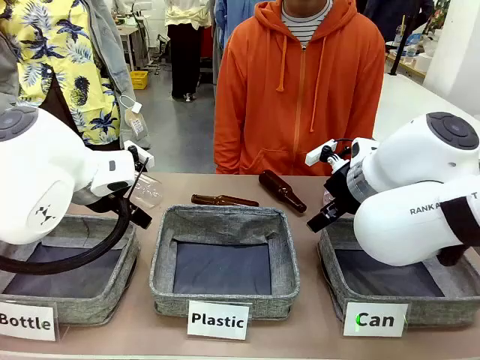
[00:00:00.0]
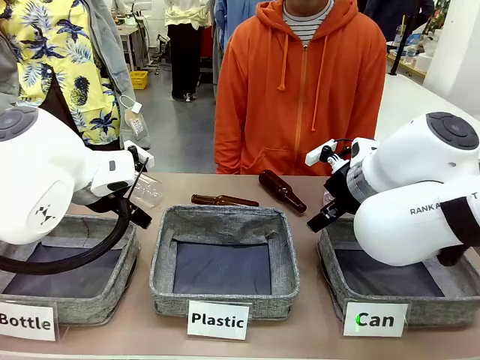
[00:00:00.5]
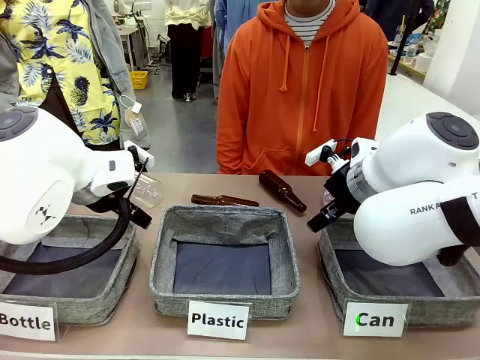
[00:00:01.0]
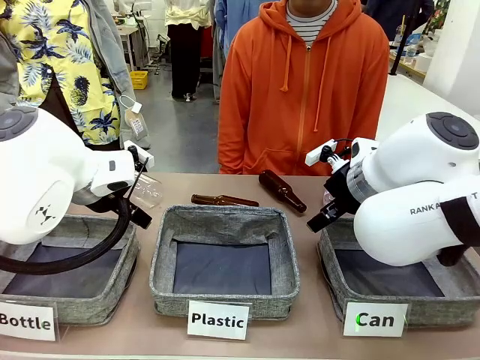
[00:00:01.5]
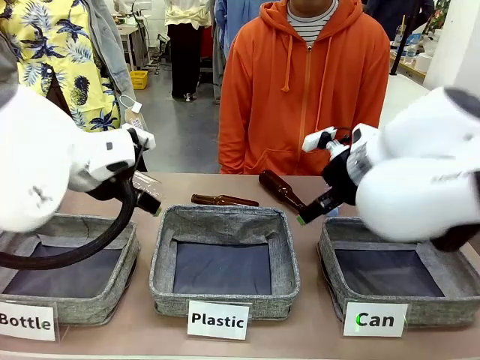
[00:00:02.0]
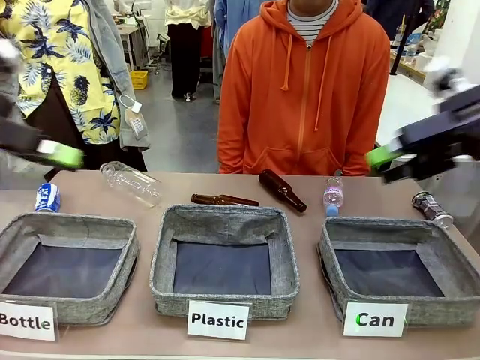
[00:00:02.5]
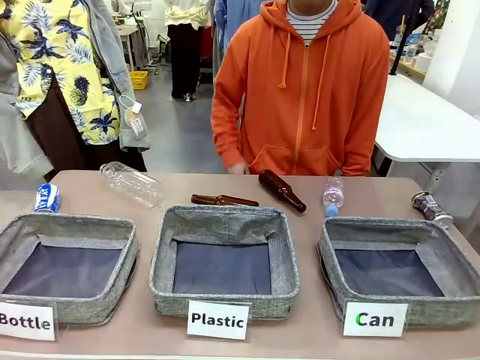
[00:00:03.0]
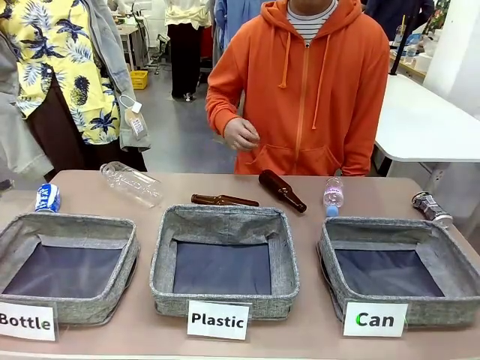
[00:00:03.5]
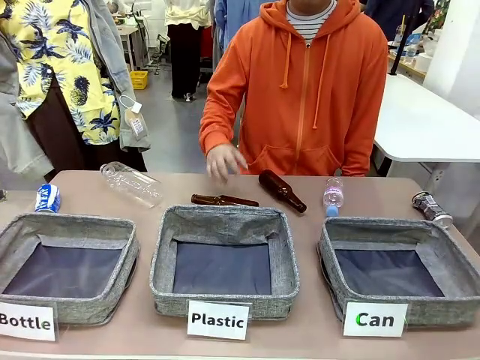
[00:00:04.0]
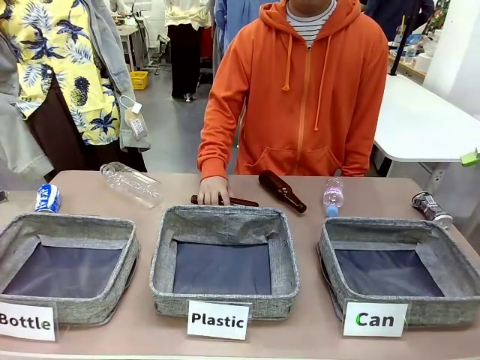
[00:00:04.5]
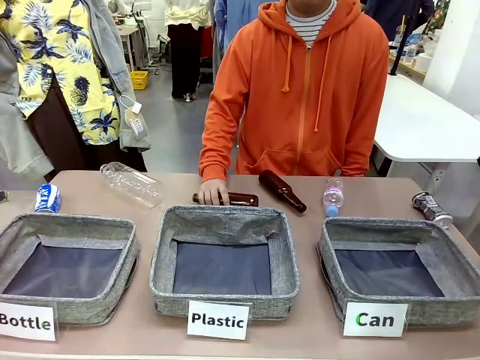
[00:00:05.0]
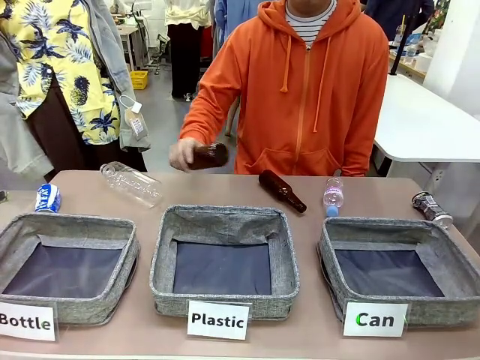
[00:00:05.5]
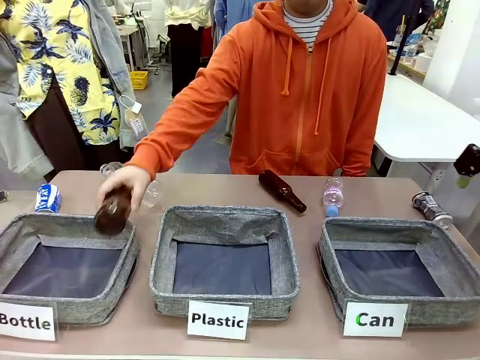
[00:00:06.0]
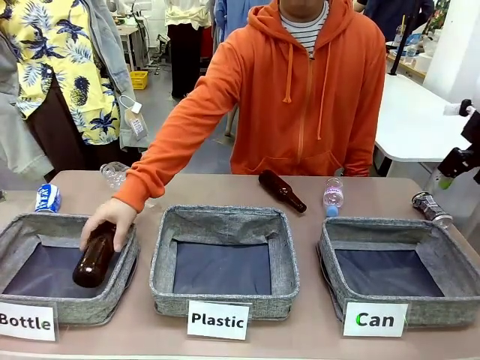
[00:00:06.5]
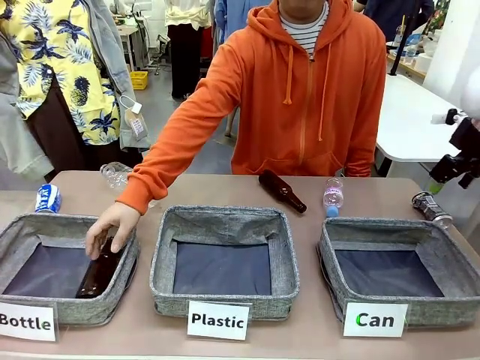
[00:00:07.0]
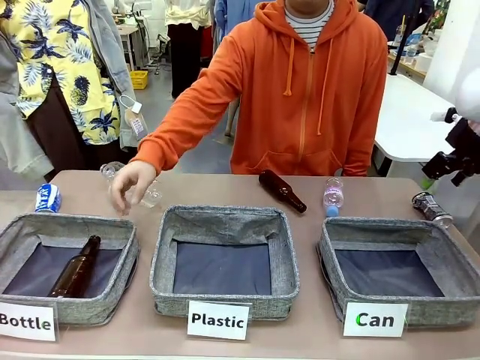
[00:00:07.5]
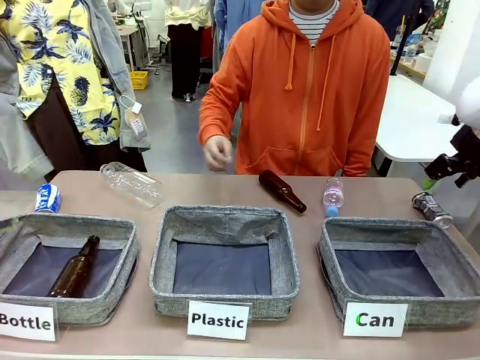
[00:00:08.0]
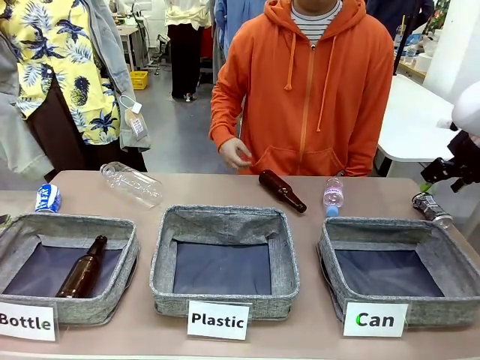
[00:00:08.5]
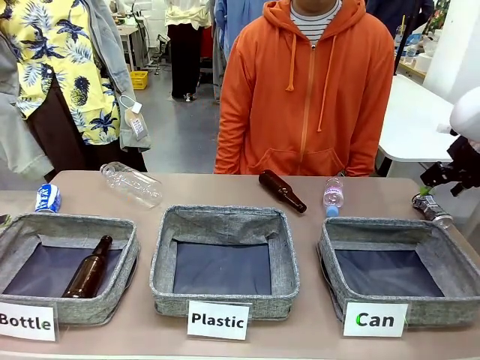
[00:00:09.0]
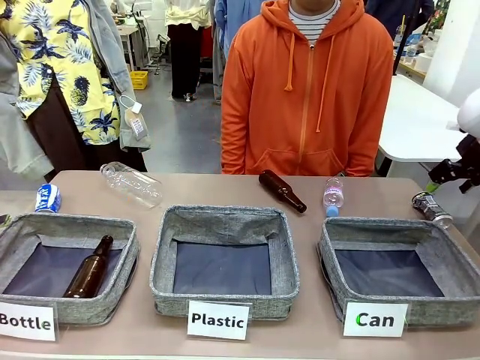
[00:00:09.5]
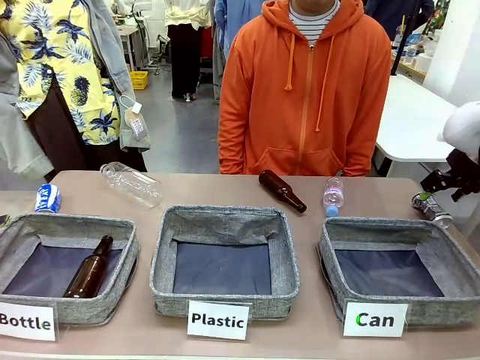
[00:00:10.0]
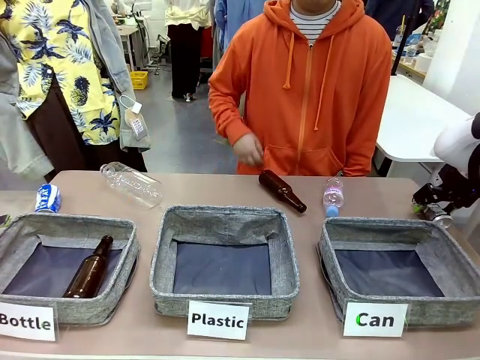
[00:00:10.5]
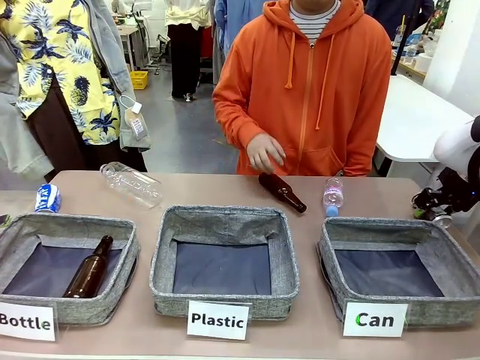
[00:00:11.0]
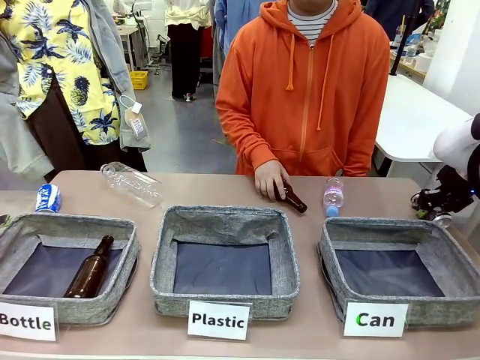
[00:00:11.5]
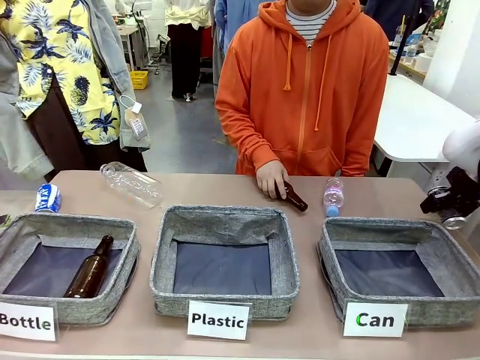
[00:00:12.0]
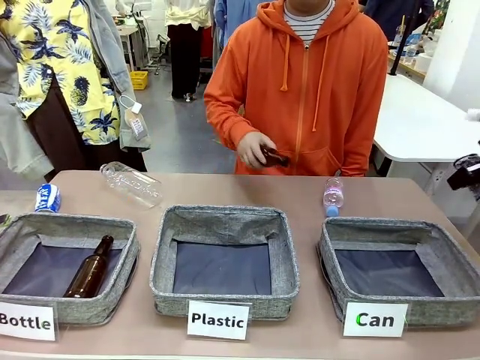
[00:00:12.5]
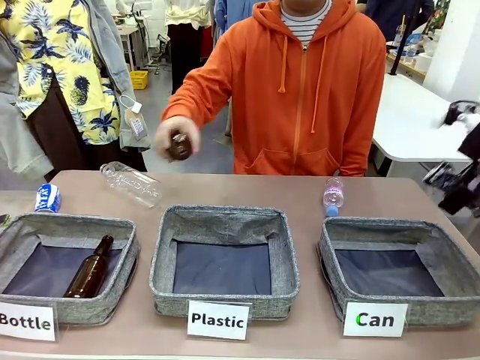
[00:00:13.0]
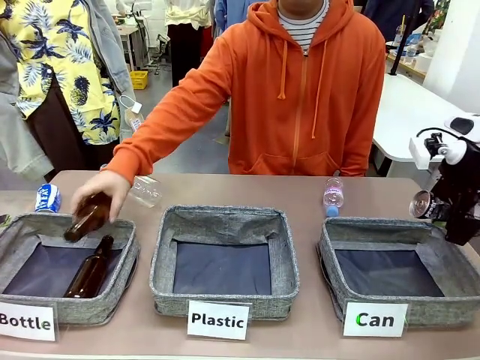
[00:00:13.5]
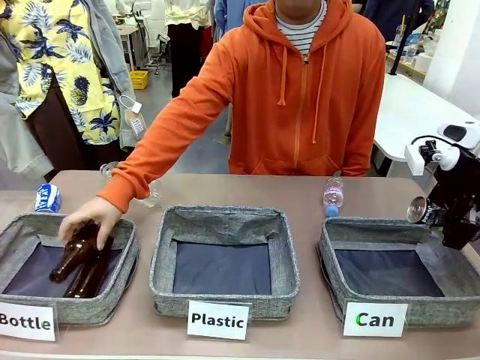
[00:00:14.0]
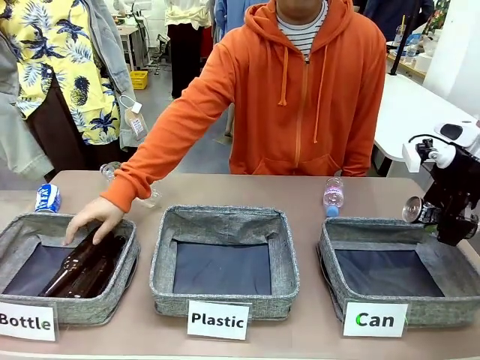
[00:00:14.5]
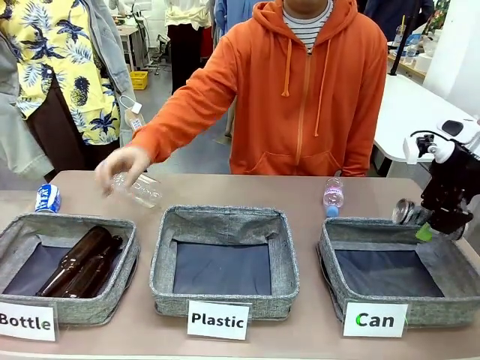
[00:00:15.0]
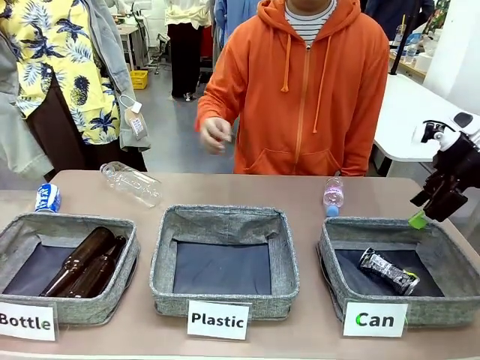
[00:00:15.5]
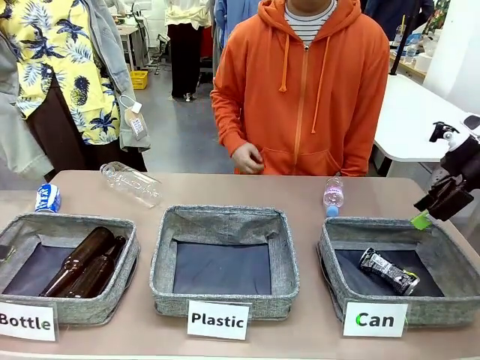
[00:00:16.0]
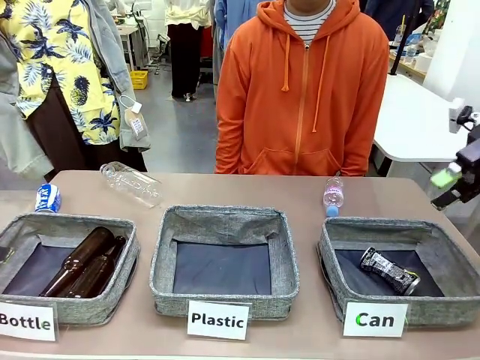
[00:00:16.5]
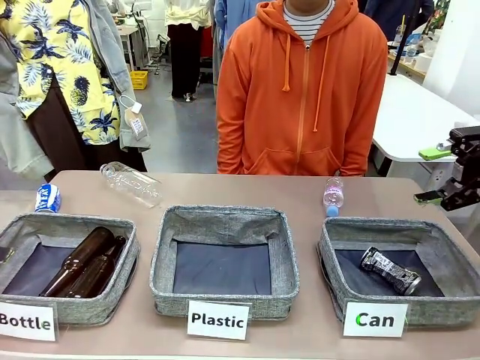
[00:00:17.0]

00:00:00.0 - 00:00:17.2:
Task: Sort the can waste into the basket.
Robot: Pick up the can waste from the table and place it in the right Fabric basket.
